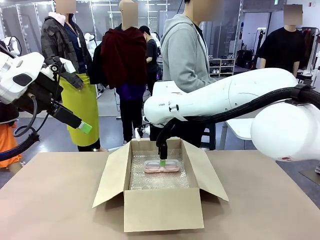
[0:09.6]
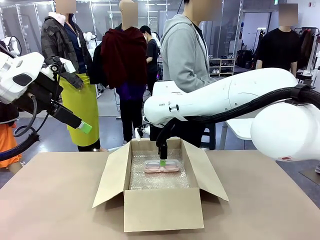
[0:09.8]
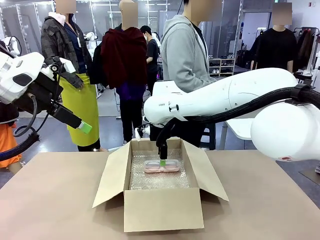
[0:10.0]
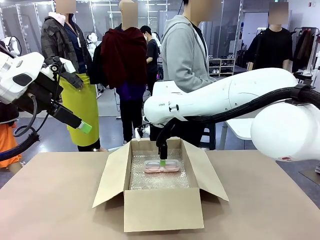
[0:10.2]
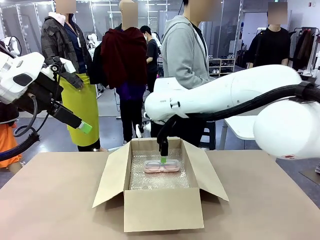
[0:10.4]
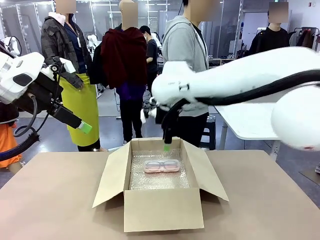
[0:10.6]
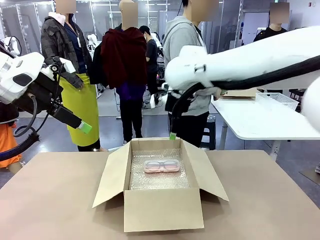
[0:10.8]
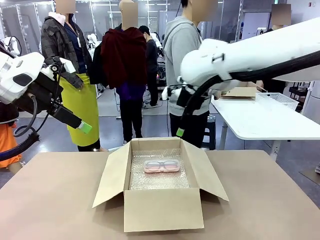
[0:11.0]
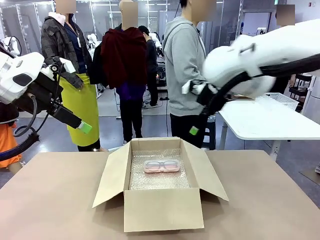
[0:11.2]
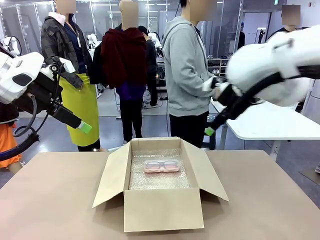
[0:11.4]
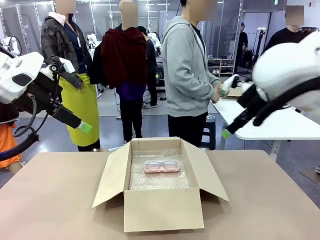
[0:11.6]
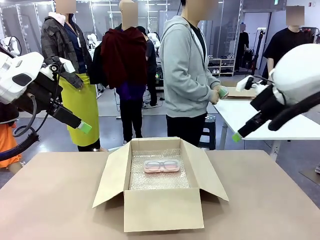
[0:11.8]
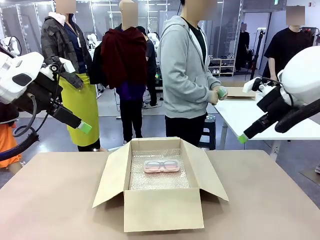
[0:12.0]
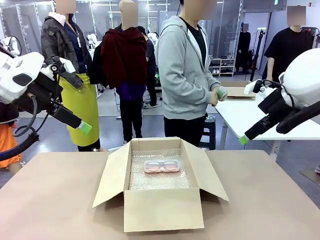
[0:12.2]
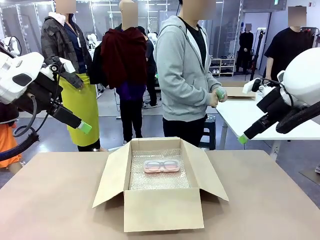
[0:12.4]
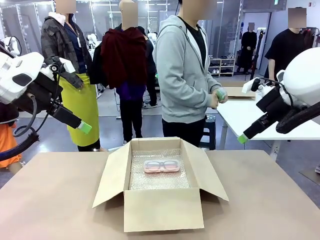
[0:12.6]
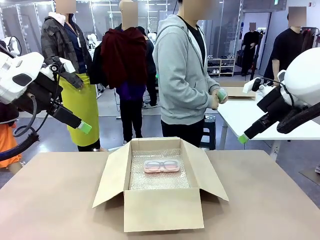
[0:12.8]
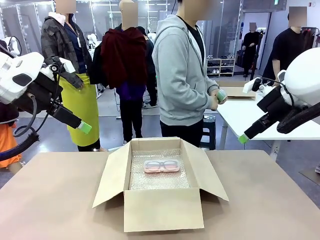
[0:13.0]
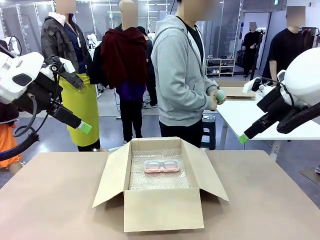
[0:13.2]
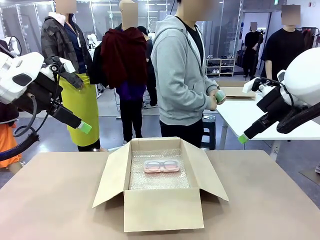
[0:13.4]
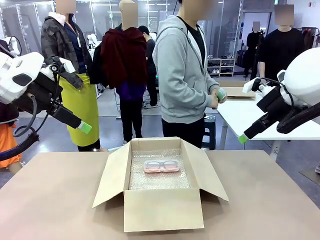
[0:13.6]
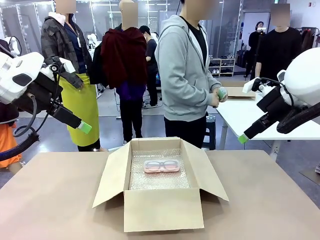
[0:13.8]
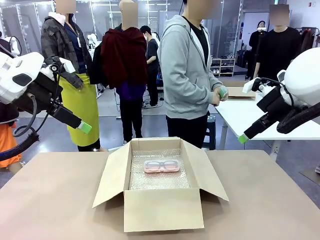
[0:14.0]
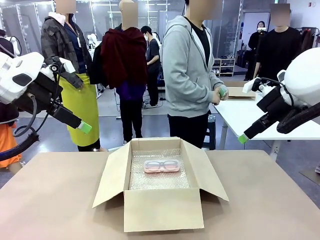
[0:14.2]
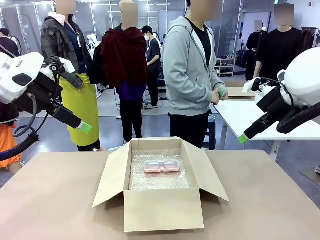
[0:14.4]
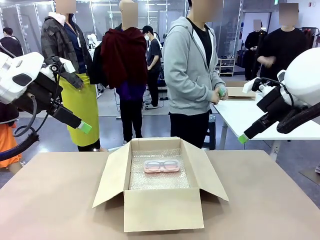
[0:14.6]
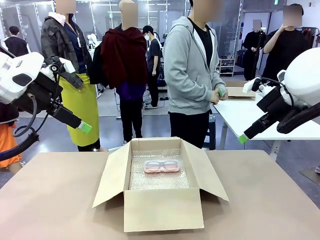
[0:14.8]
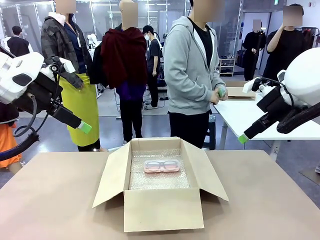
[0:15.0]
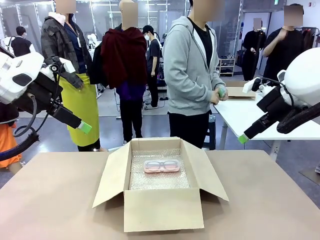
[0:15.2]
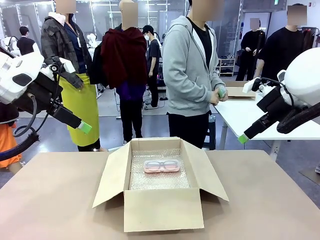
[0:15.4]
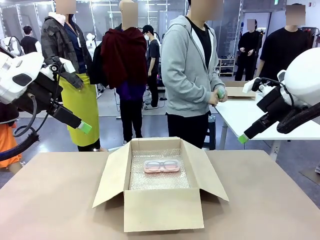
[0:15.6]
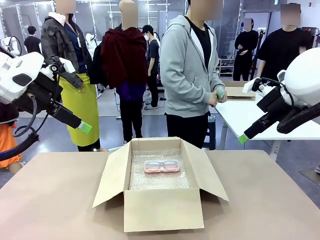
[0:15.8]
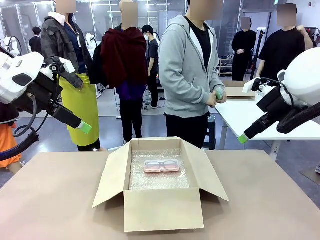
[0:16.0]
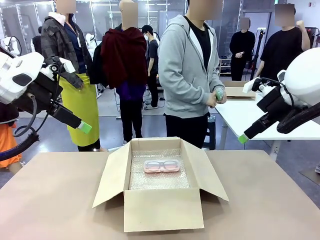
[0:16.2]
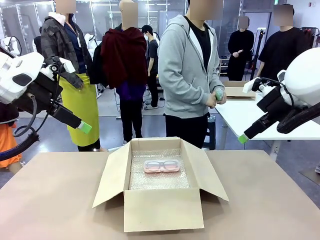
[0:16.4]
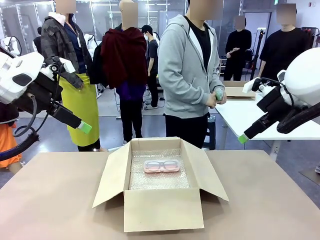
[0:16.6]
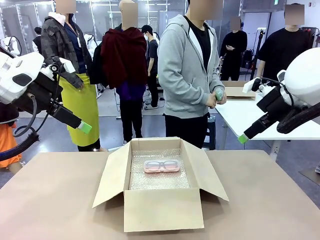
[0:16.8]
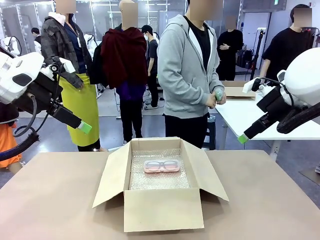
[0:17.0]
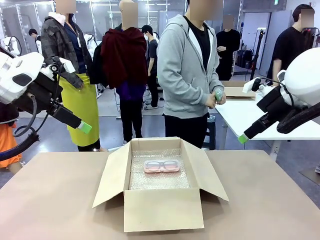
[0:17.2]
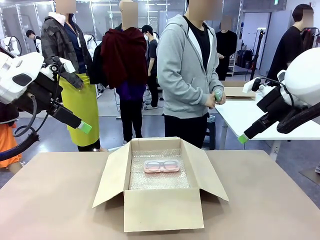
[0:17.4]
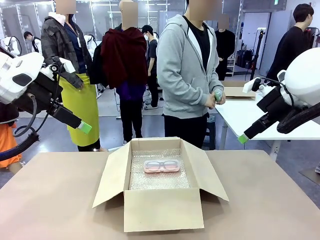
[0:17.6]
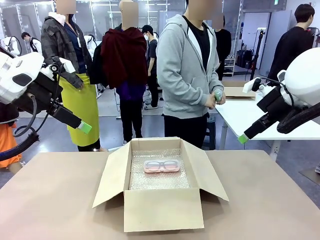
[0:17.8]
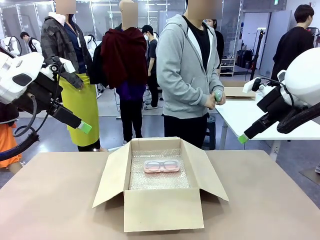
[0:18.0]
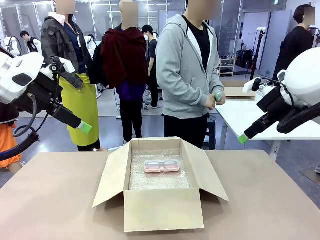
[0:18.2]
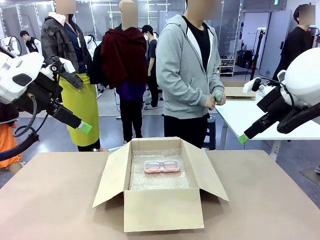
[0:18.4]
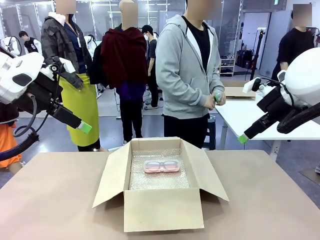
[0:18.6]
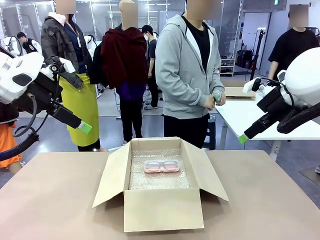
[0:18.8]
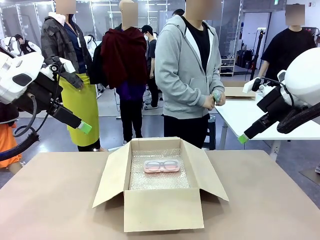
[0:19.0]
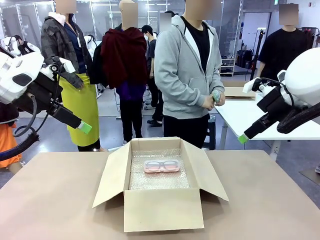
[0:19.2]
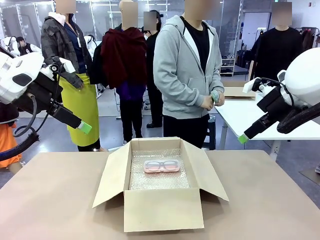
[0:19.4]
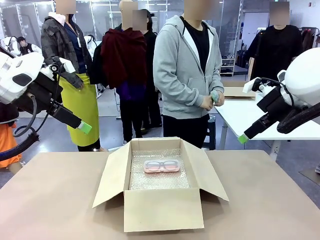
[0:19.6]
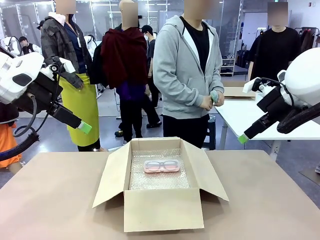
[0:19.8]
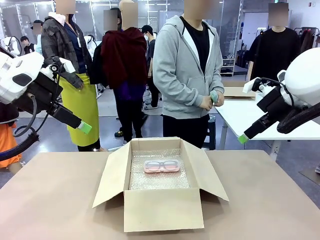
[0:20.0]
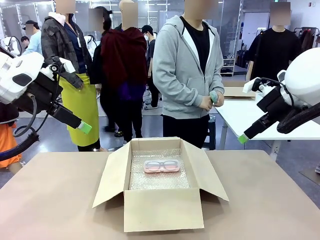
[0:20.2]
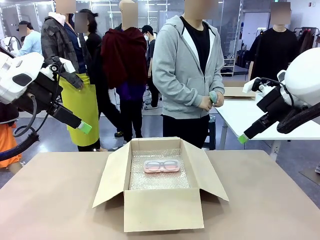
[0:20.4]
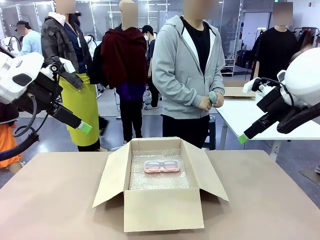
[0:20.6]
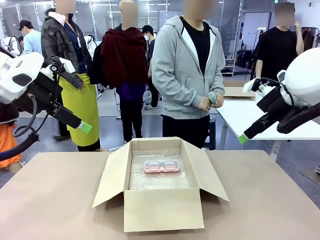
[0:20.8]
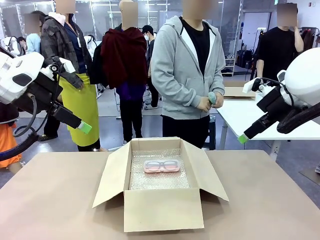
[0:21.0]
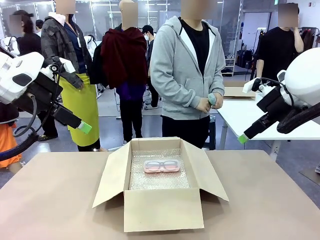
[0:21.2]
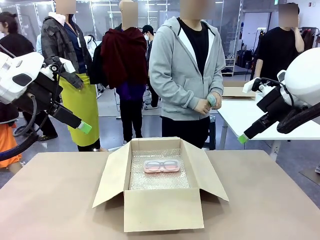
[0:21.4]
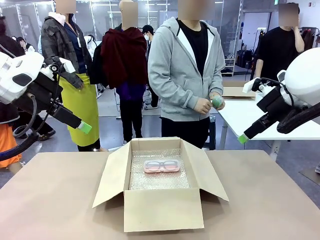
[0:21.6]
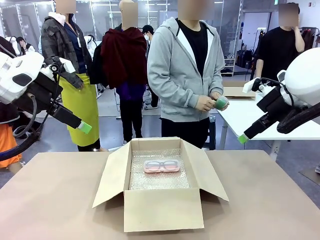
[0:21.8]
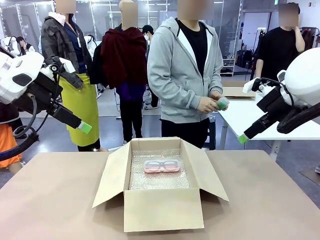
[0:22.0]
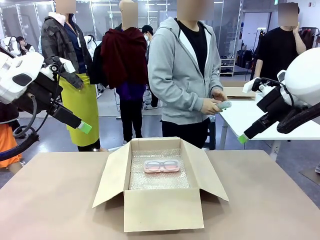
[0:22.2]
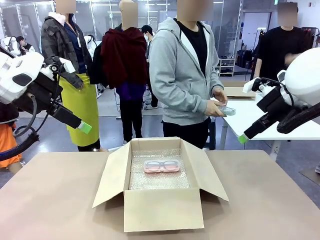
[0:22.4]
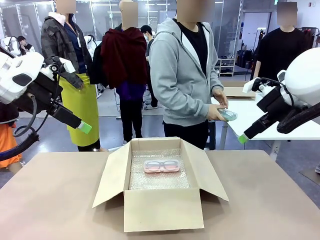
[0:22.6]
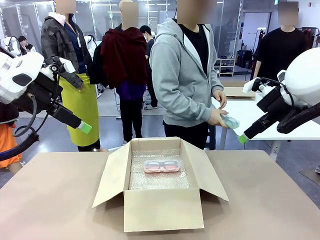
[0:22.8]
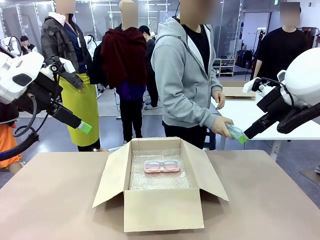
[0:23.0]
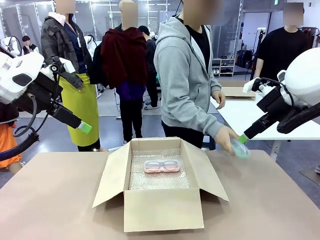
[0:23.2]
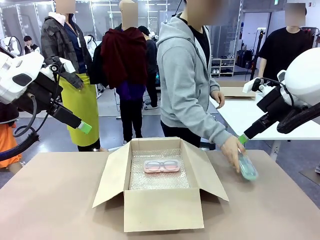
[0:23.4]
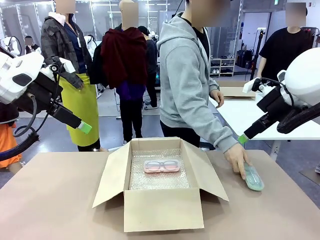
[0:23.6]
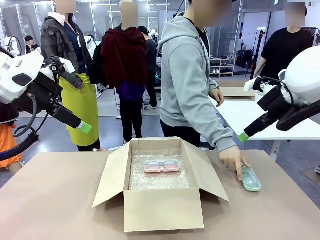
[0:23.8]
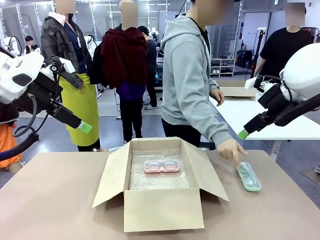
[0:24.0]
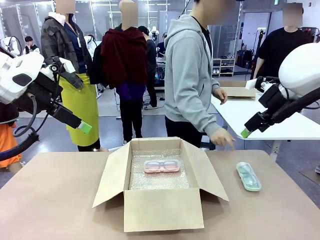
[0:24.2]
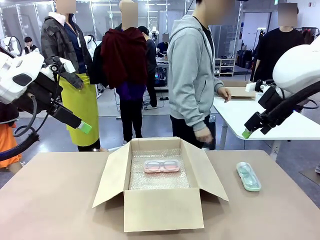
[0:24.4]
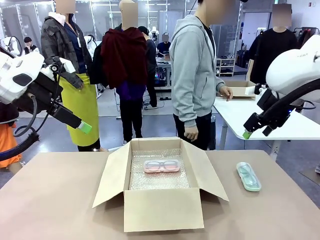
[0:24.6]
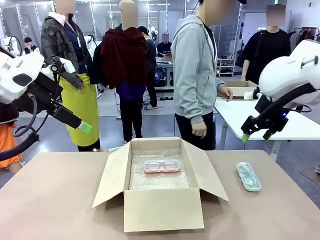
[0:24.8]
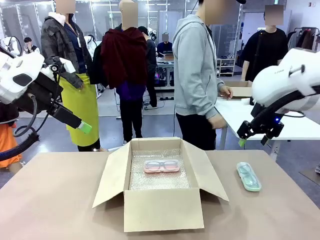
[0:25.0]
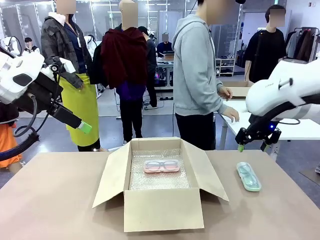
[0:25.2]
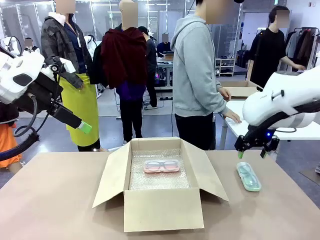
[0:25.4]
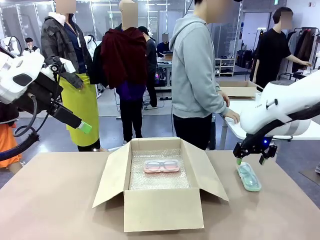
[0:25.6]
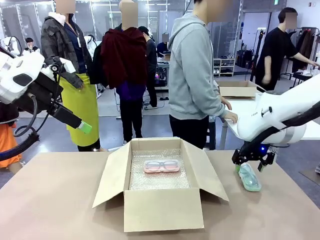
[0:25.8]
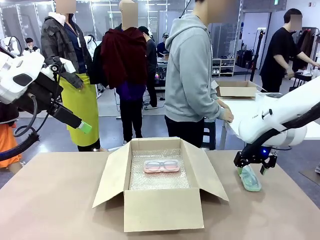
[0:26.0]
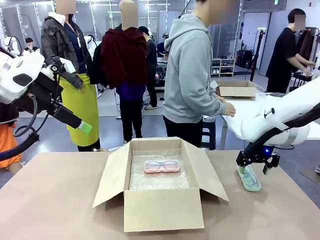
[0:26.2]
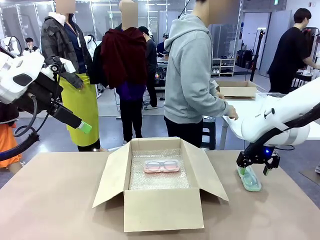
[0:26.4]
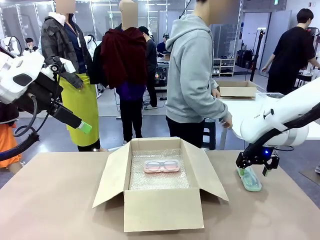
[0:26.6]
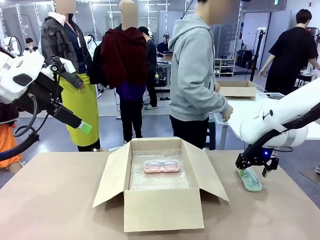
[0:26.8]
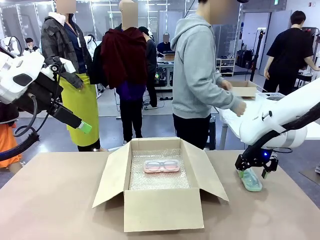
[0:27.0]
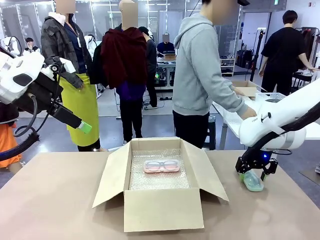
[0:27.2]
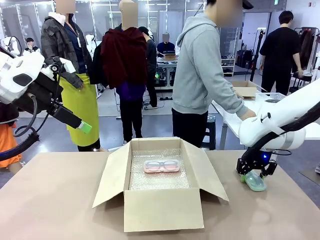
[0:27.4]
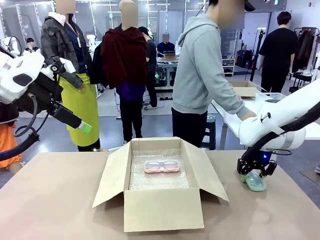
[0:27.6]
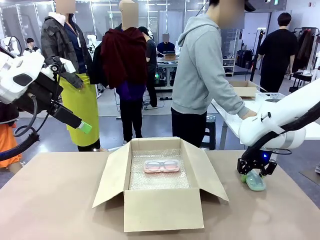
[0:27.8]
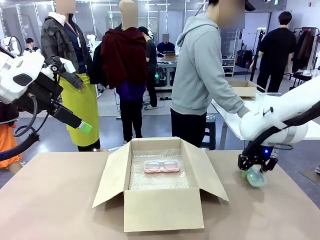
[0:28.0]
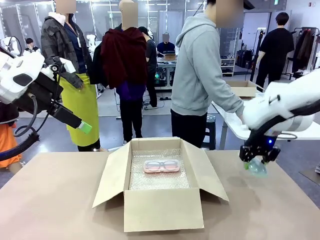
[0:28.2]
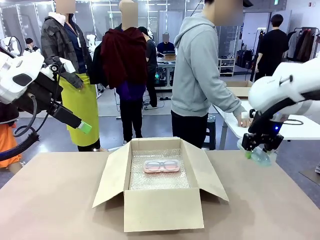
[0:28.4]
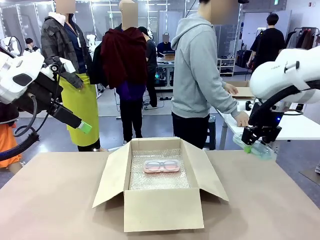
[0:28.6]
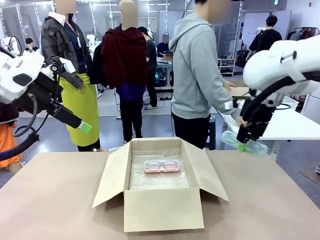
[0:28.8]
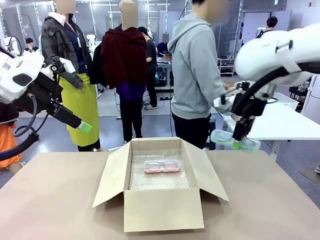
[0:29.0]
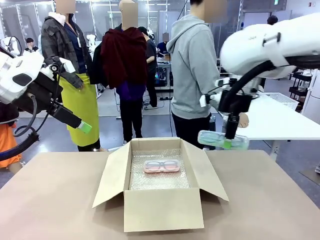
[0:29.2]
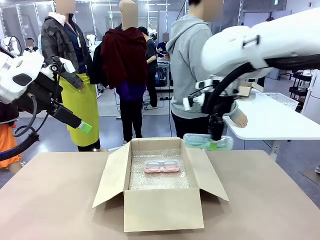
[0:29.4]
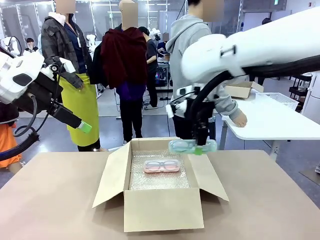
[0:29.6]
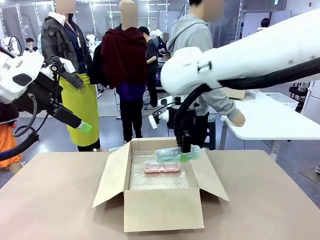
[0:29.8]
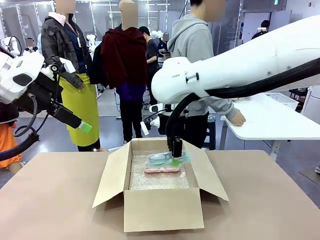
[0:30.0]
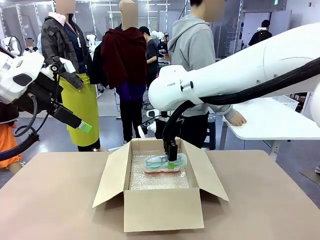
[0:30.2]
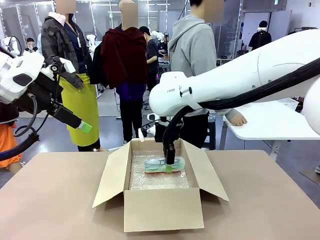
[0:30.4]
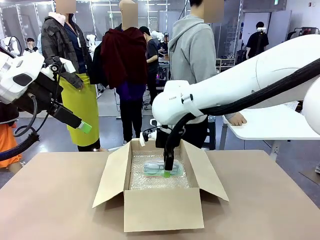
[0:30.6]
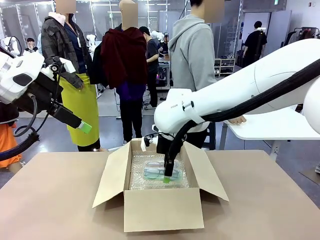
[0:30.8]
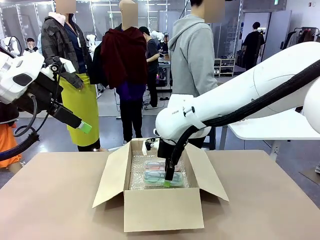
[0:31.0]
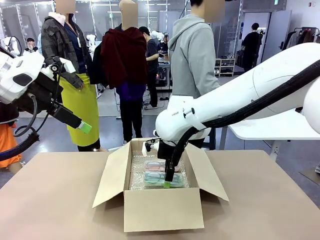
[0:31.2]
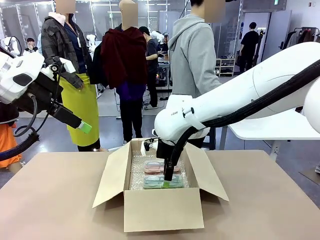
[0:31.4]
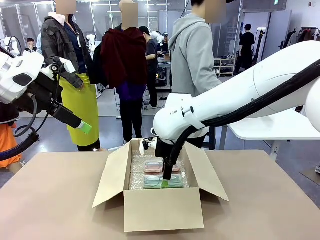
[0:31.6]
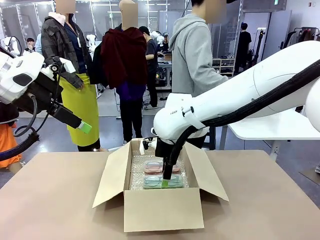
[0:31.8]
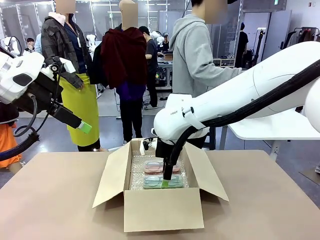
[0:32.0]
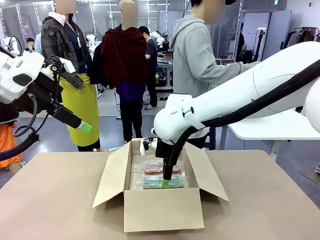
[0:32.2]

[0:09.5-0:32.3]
Task: Pack the glasses set securely to prepare it for shipping.
Robot: Put the Glasses case from the right side of the table into the Package Box.
Person: Position the Glasses case on the left side of the robot's table.
